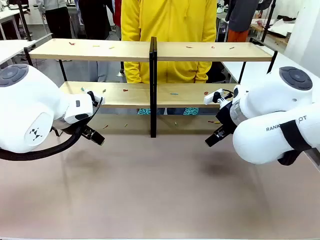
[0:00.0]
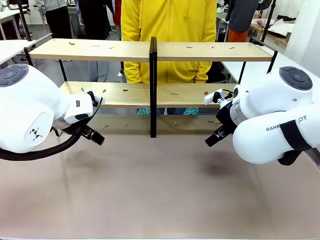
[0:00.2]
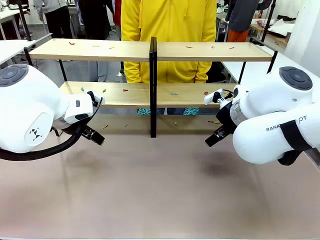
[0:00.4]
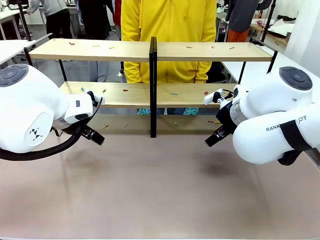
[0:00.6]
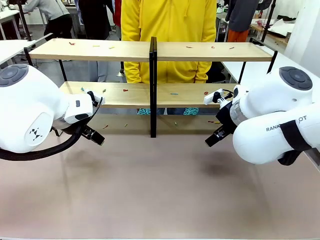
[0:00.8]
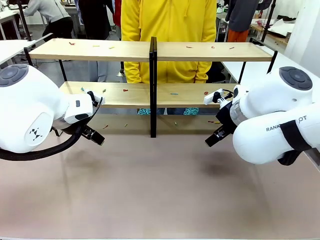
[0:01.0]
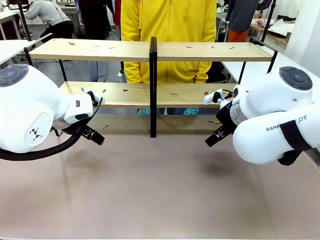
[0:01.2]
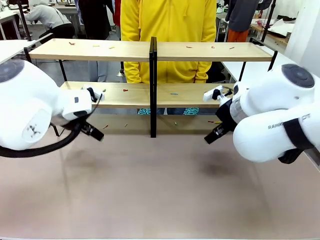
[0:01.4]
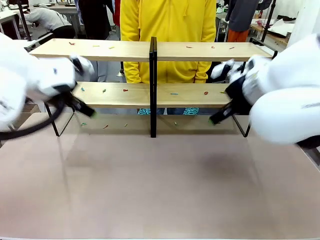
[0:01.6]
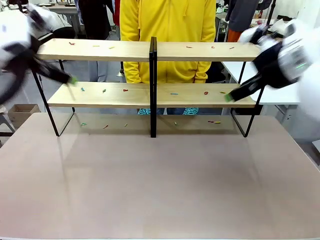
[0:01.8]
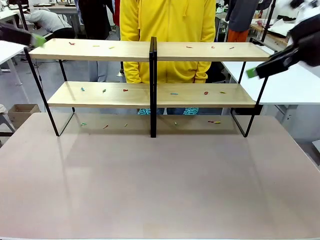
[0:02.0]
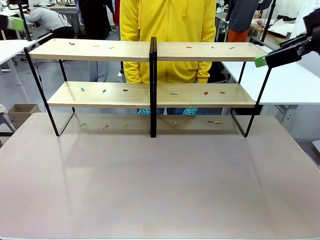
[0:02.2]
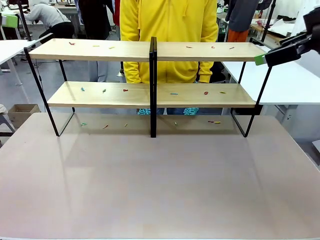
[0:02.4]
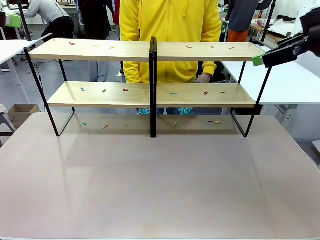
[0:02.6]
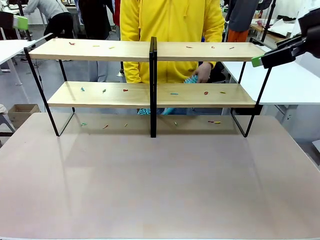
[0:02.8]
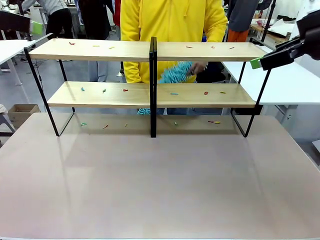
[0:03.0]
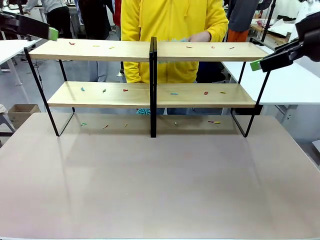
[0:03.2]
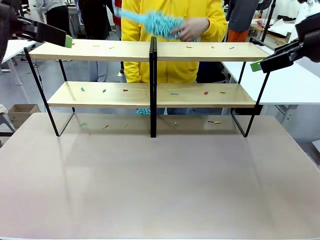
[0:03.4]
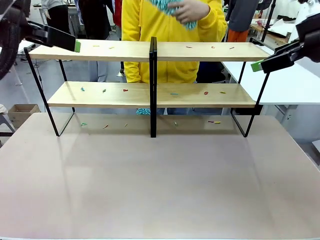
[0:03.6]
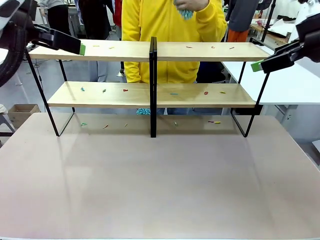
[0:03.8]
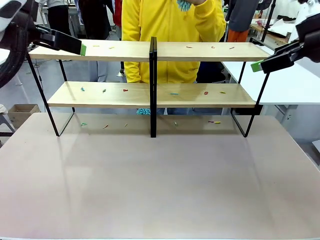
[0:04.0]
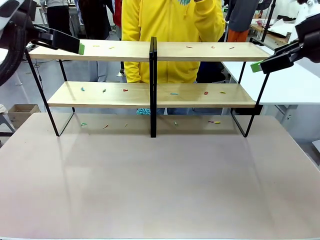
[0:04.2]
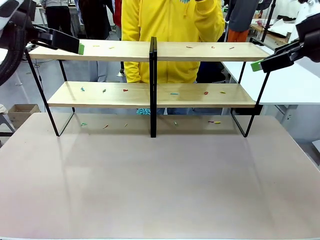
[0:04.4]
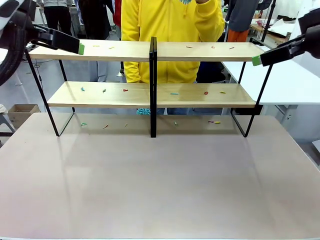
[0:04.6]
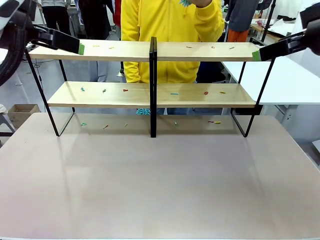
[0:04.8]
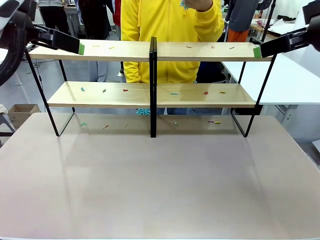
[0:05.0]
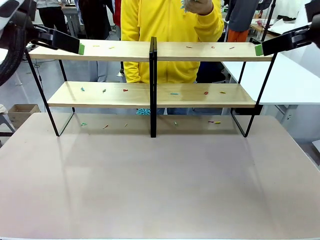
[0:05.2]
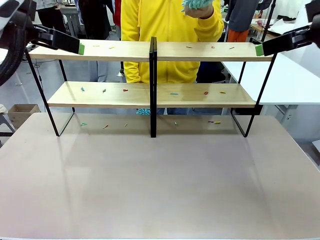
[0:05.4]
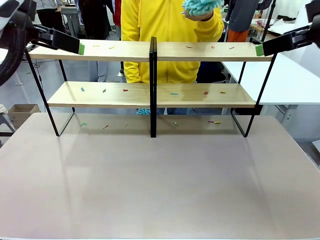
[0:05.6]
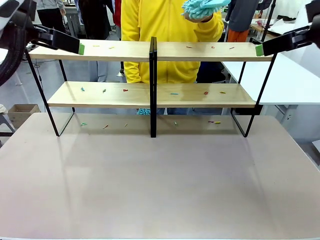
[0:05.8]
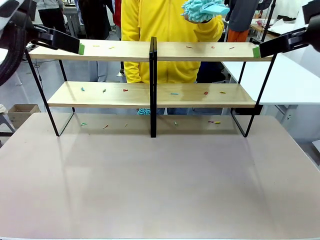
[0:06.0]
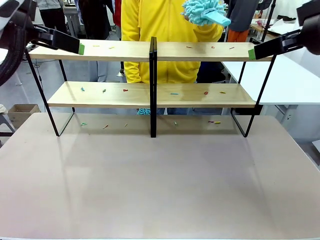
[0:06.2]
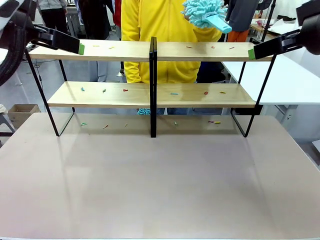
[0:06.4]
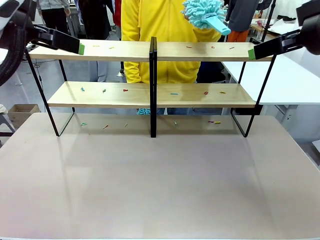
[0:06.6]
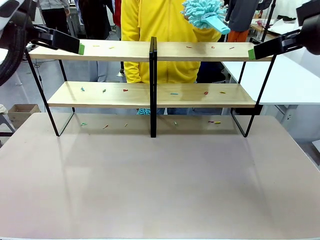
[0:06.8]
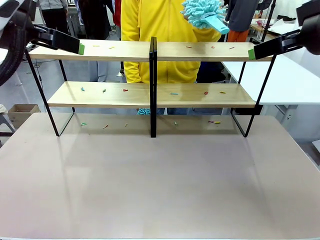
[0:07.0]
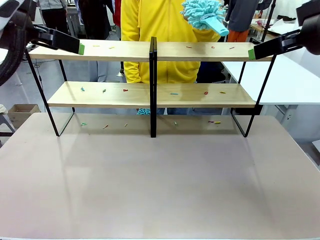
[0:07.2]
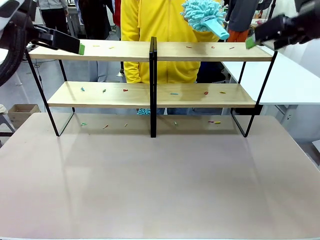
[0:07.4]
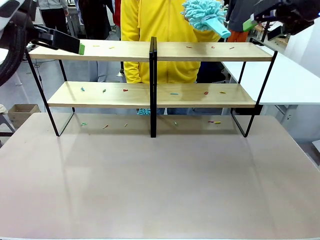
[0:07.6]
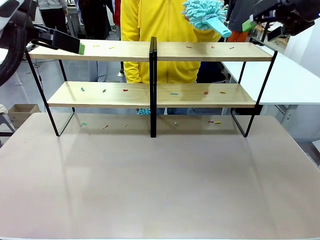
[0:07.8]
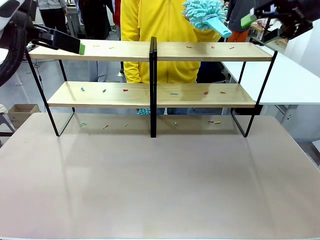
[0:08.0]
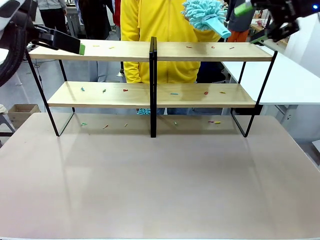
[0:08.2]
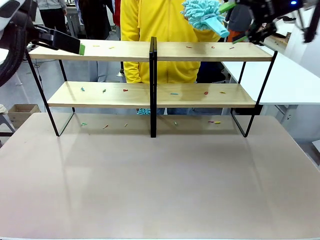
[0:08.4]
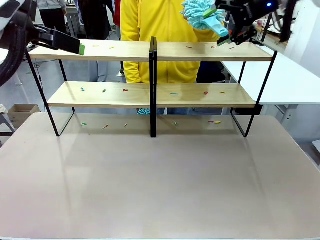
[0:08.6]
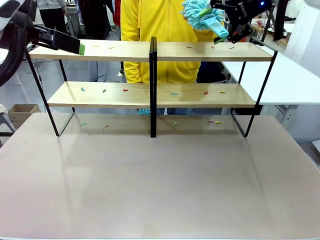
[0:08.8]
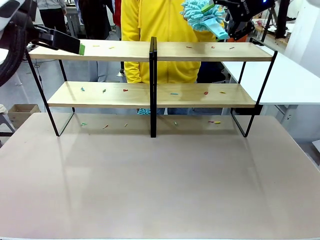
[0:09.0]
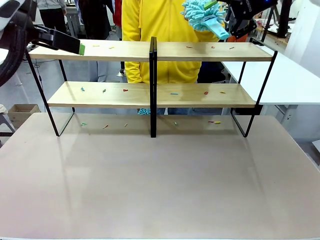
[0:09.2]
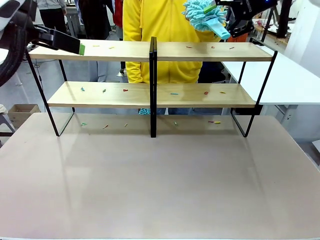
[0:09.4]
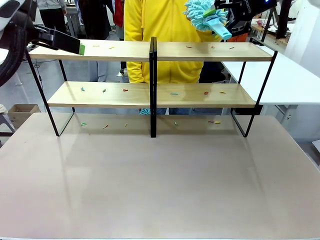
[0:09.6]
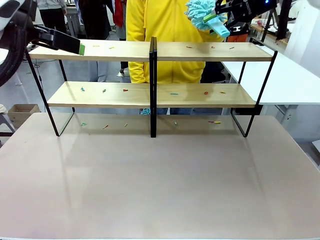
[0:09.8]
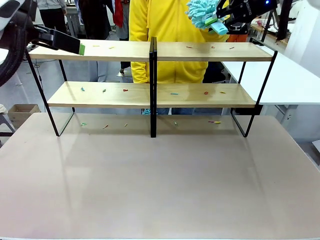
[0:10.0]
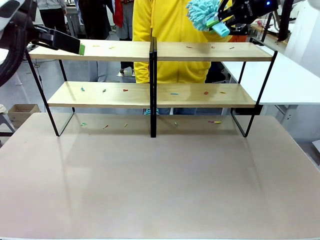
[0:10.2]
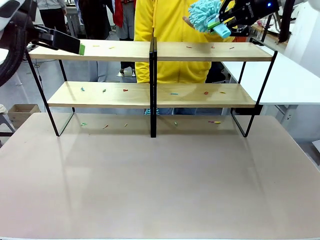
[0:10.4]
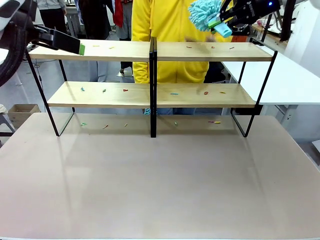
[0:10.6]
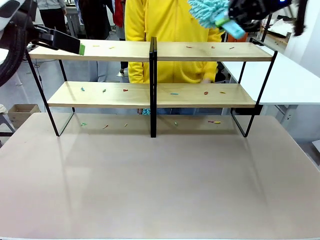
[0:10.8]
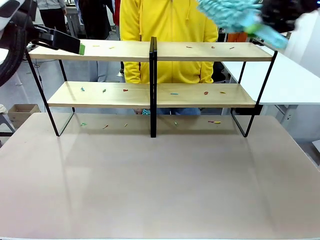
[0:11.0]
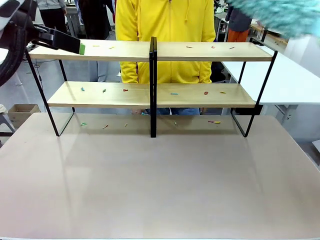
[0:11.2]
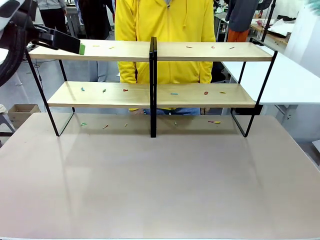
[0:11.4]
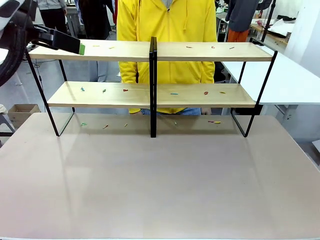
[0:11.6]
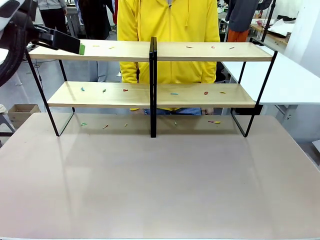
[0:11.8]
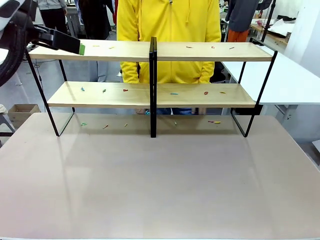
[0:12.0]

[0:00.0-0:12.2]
Task: Clean the shelves.
Robot: Pick up the Duster when the human hands it over.
Person: Hand the Duster to the robot with your right (or left) hand.

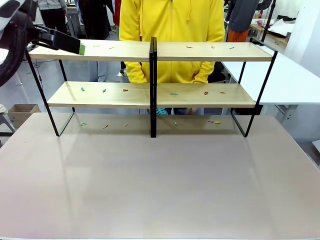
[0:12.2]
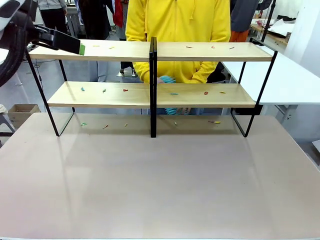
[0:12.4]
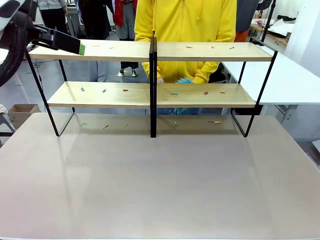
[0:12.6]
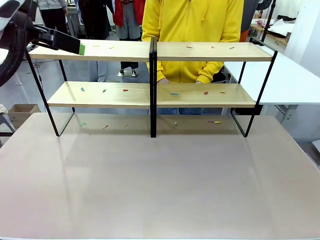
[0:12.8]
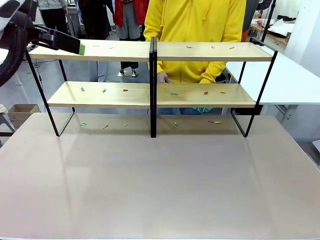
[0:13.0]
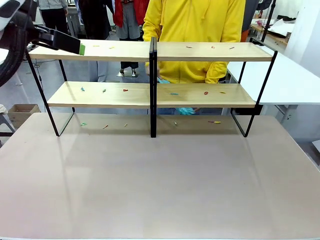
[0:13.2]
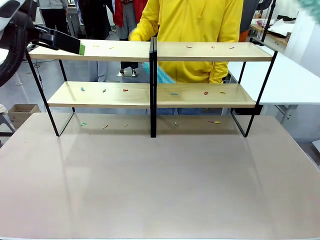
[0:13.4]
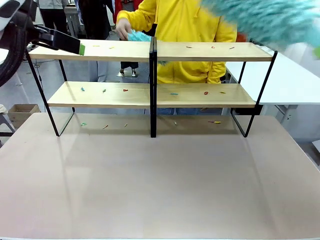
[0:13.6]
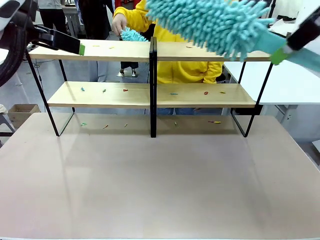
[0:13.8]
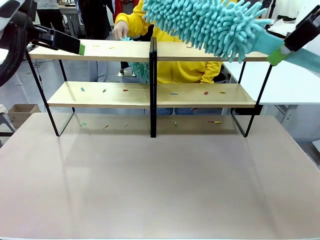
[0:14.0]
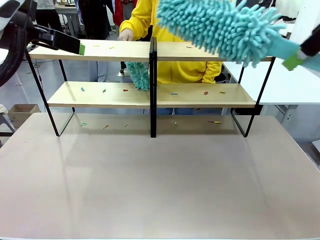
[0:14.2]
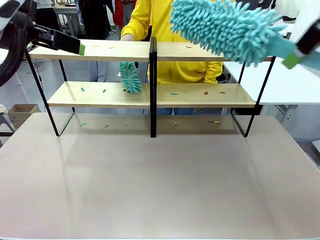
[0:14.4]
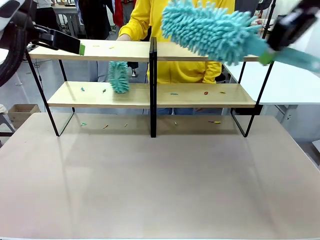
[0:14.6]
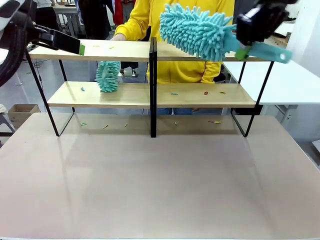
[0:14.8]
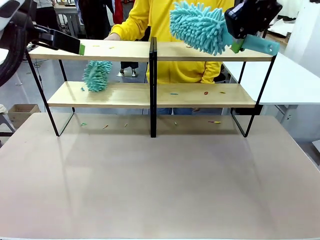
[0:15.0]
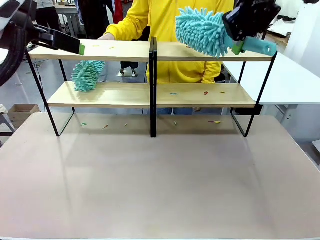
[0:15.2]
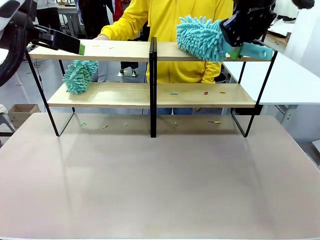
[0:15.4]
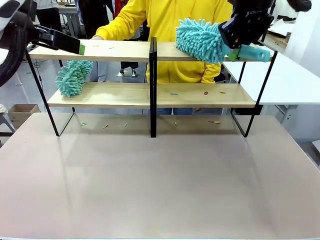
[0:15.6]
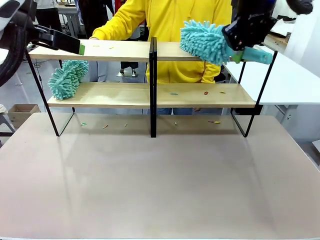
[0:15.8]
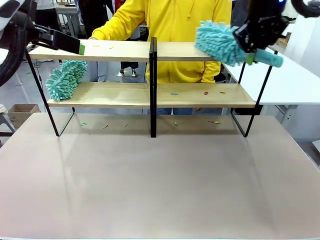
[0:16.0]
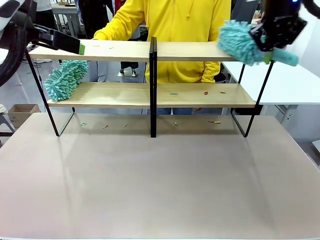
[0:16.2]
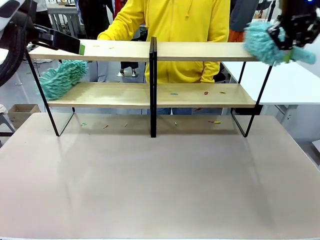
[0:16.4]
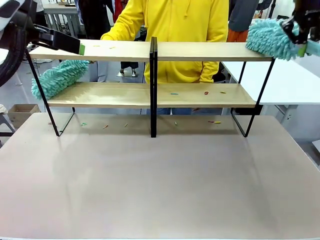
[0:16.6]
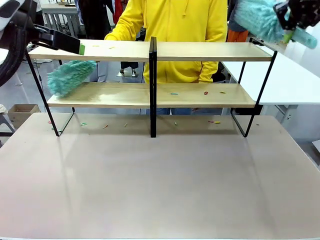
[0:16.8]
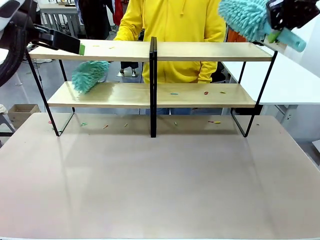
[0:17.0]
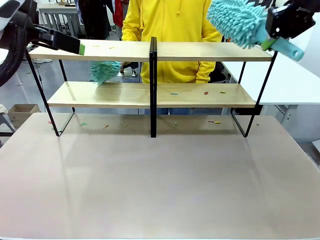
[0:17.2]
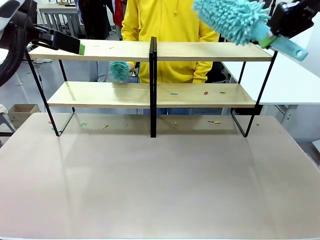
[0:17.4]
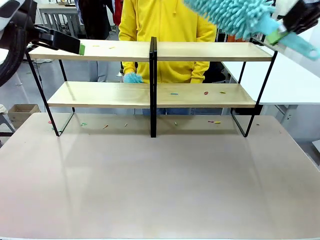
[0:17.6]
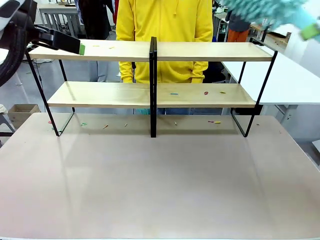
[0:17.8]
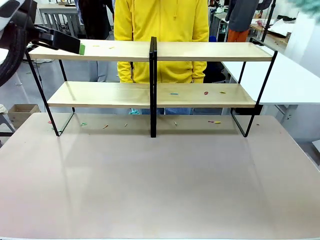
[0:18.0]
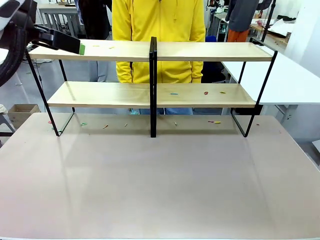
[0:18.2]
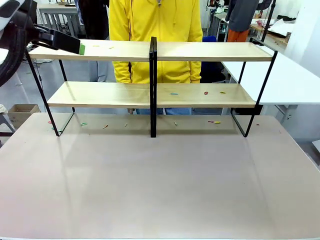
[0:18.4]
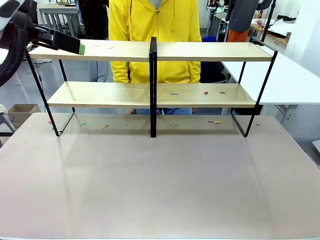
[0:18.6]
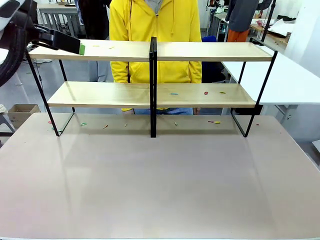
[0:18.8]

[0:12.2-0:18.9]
Robot: Clean a randomly selected level of the Shelf with the Duster.
